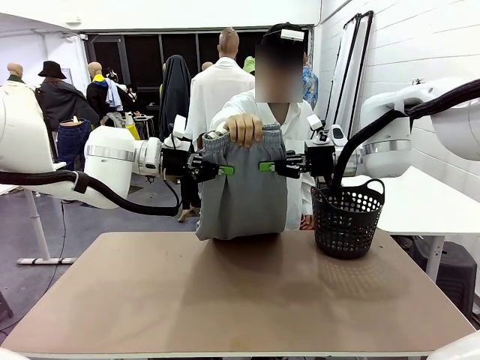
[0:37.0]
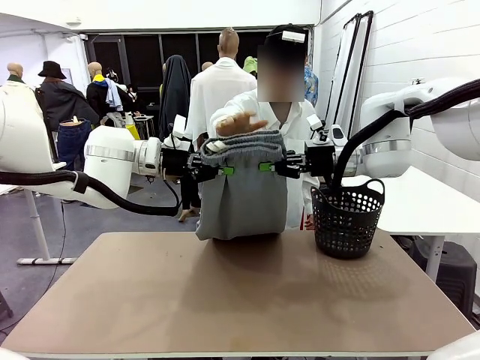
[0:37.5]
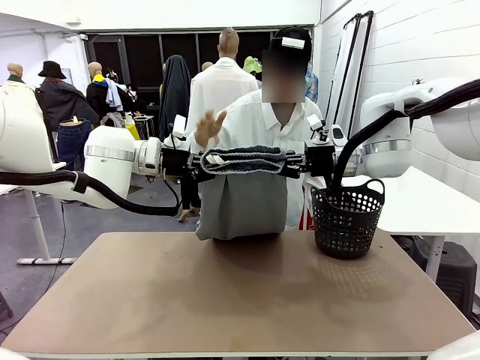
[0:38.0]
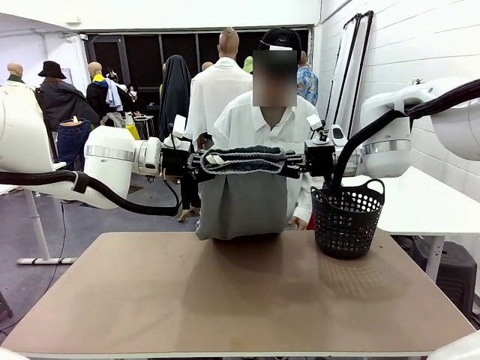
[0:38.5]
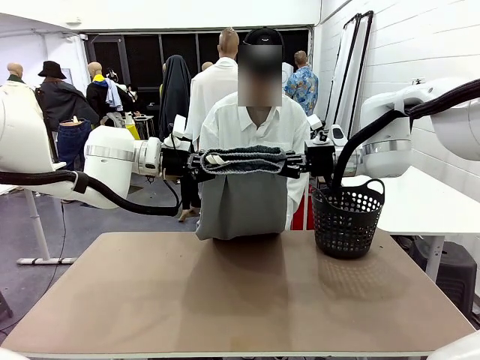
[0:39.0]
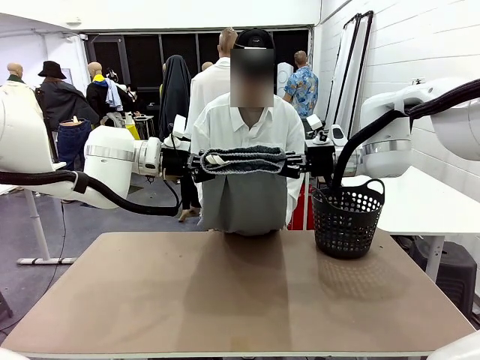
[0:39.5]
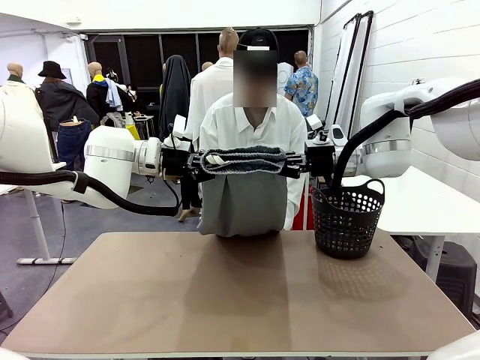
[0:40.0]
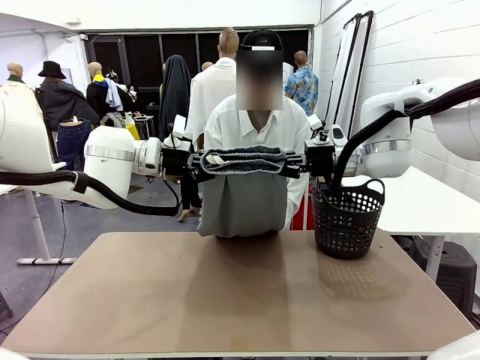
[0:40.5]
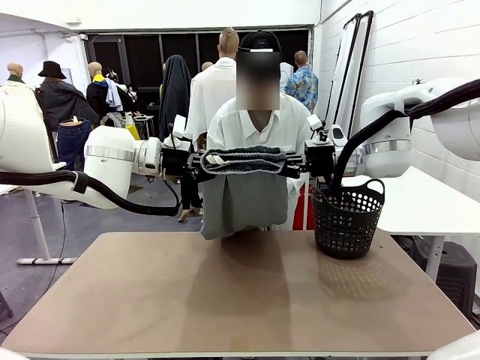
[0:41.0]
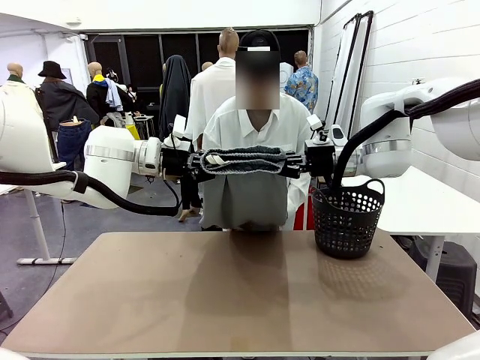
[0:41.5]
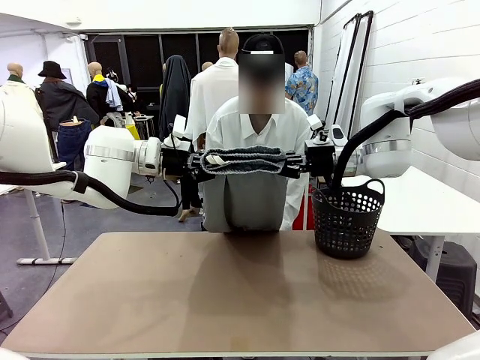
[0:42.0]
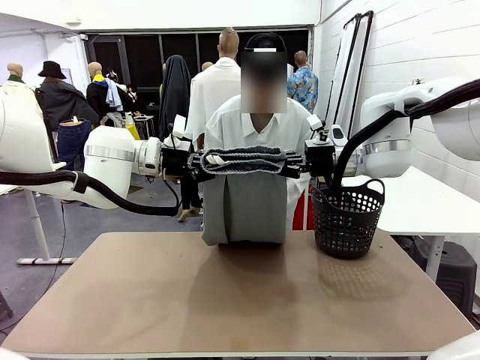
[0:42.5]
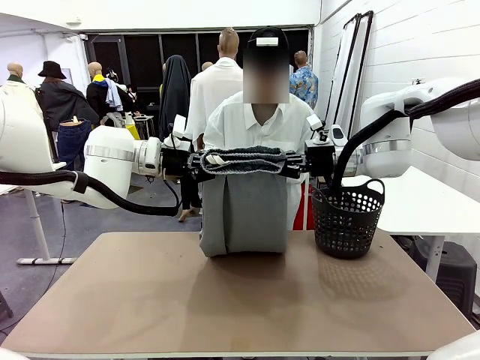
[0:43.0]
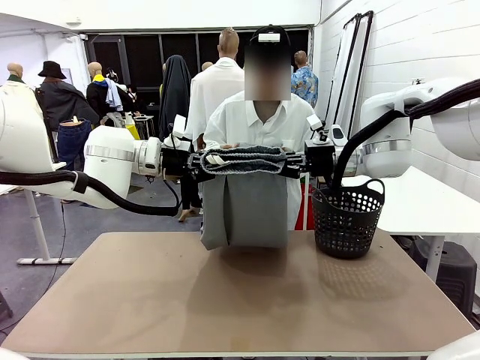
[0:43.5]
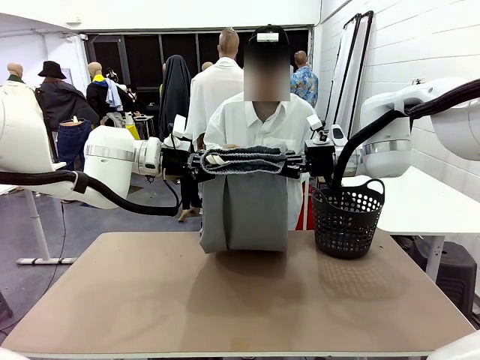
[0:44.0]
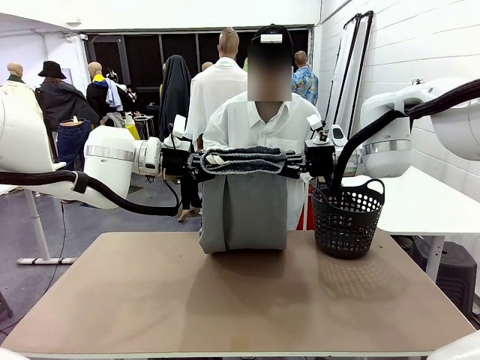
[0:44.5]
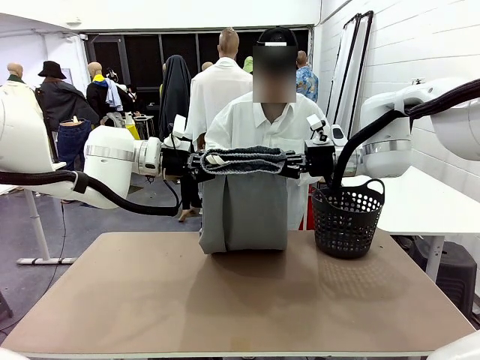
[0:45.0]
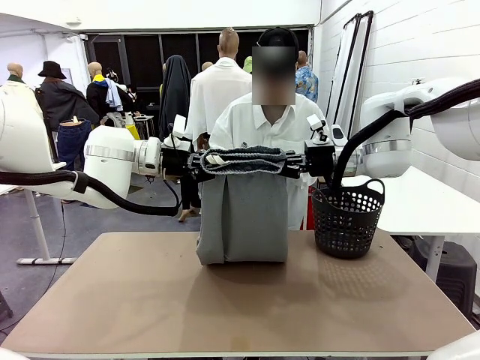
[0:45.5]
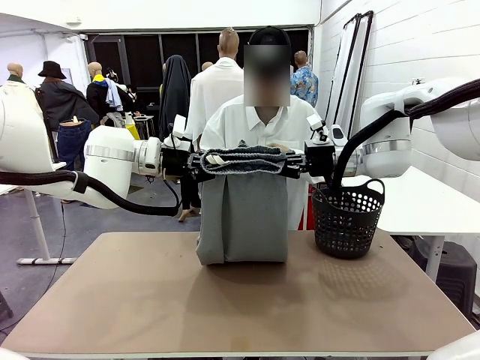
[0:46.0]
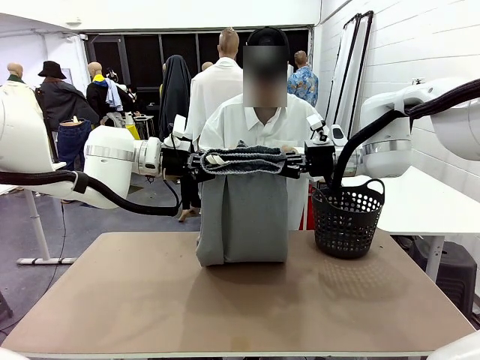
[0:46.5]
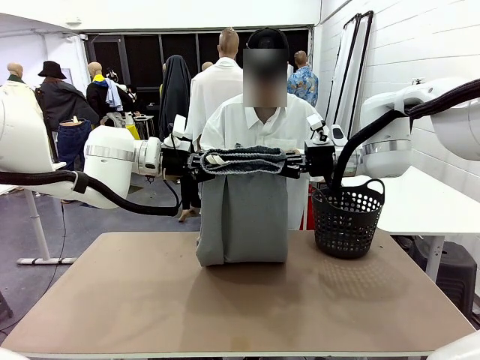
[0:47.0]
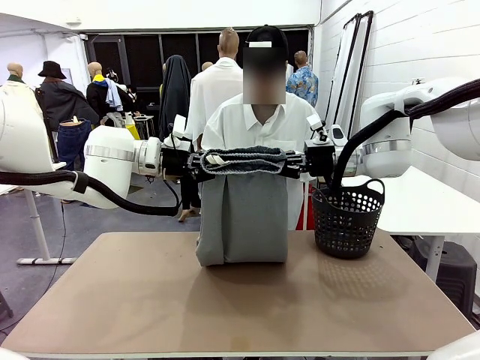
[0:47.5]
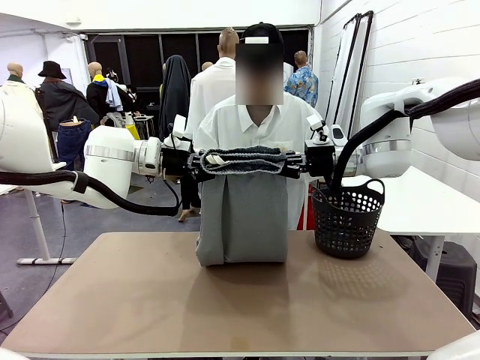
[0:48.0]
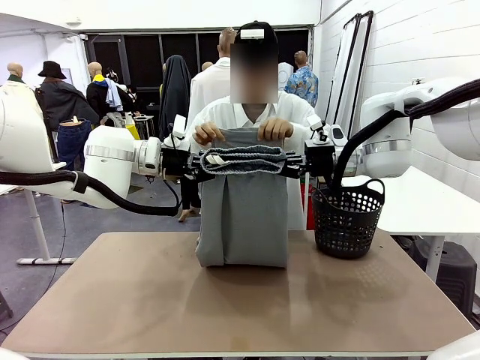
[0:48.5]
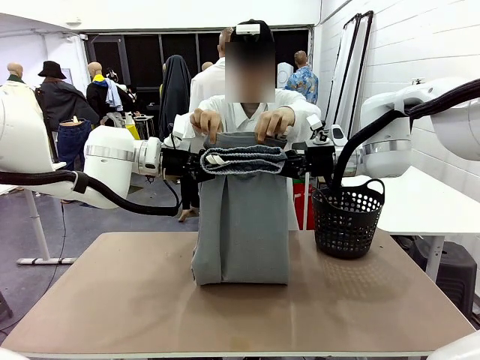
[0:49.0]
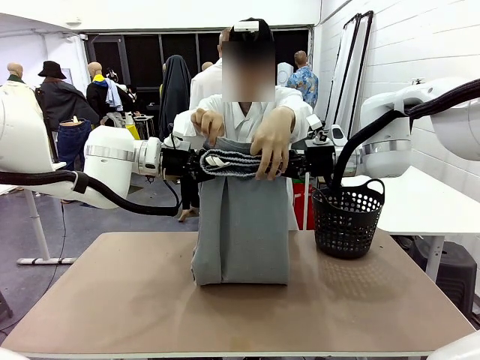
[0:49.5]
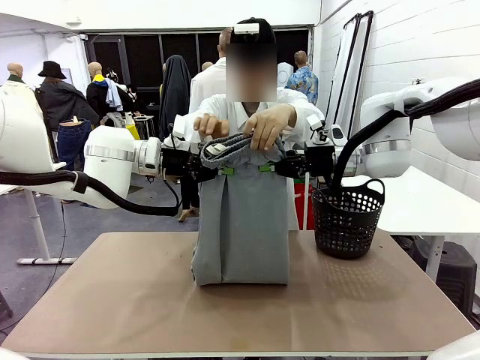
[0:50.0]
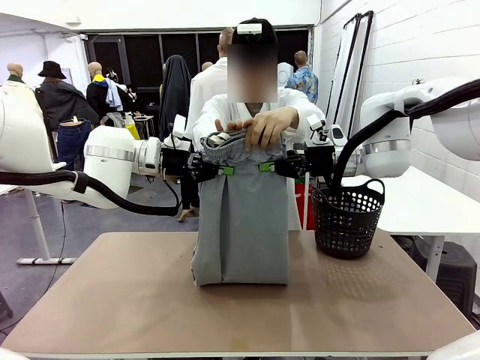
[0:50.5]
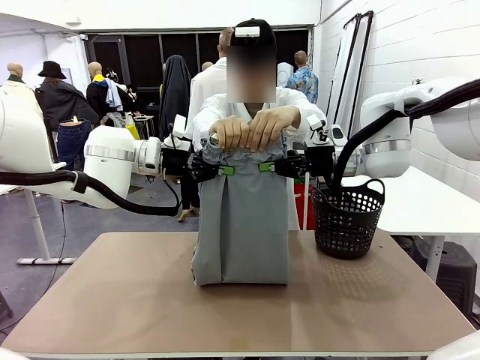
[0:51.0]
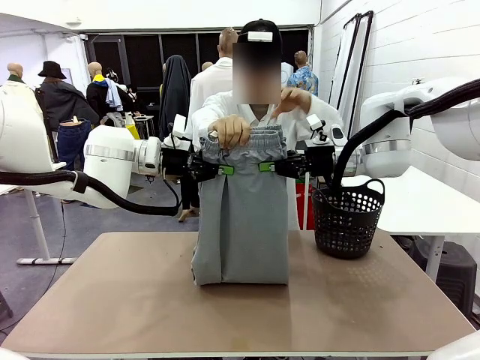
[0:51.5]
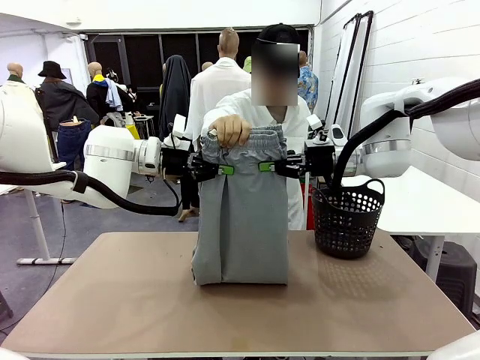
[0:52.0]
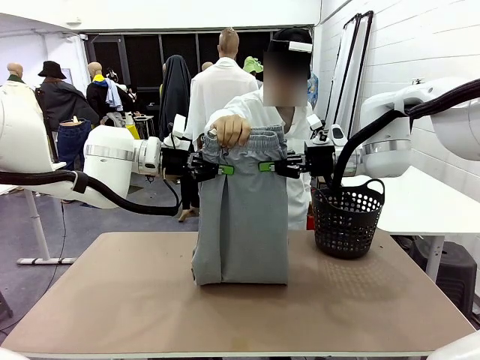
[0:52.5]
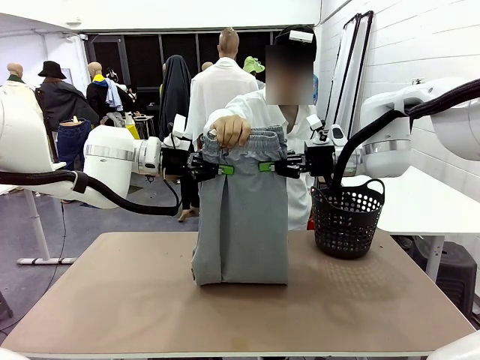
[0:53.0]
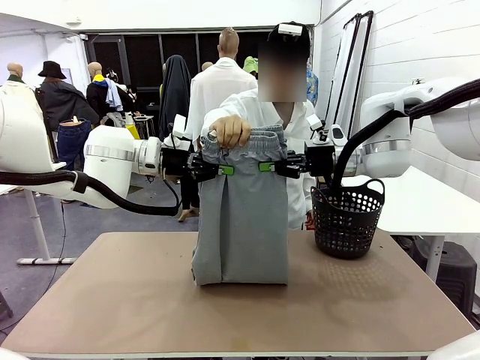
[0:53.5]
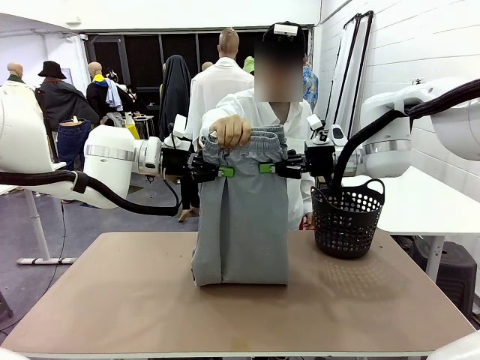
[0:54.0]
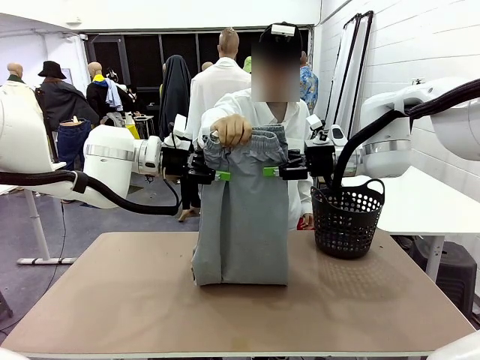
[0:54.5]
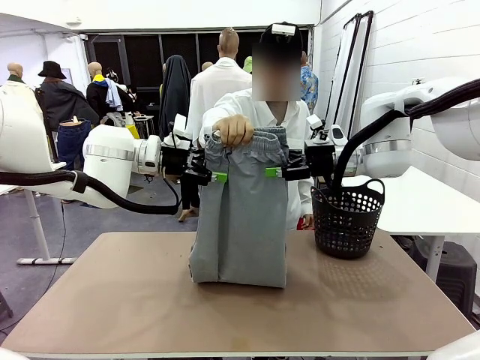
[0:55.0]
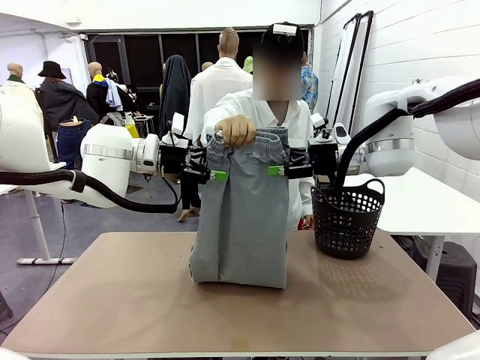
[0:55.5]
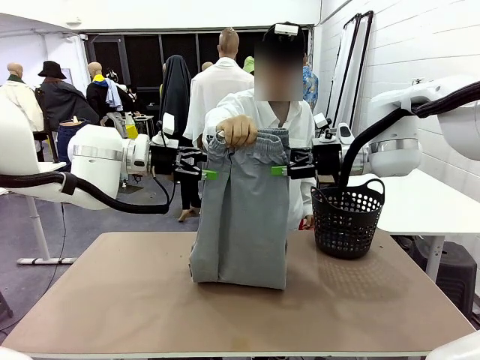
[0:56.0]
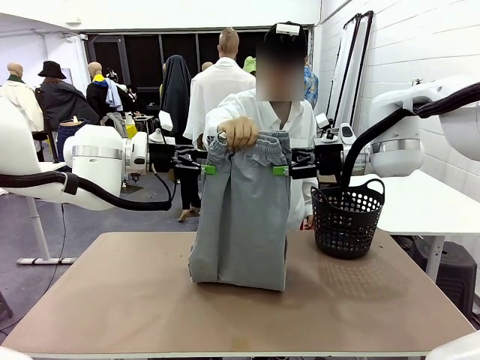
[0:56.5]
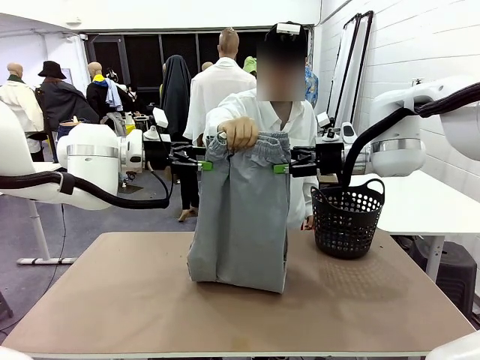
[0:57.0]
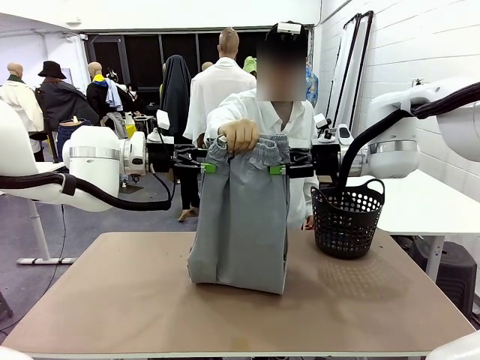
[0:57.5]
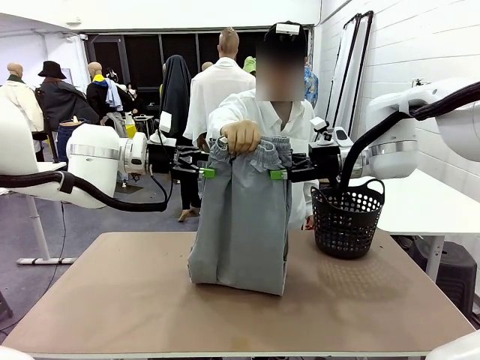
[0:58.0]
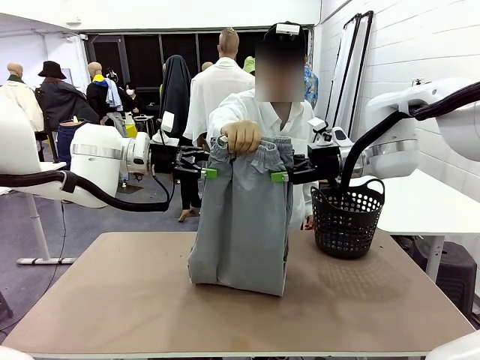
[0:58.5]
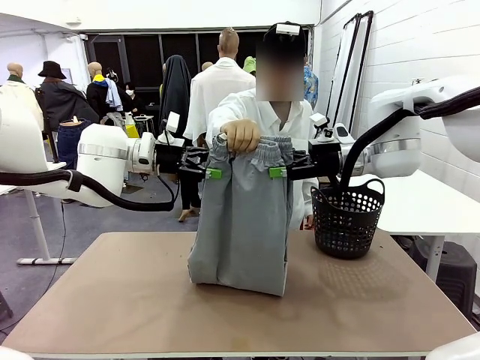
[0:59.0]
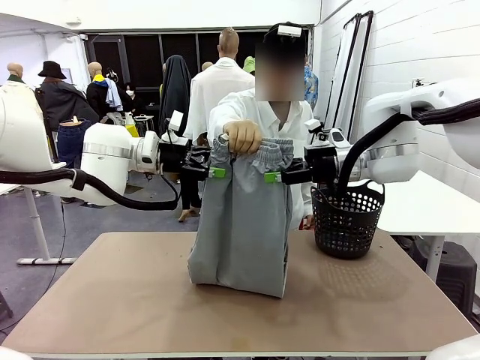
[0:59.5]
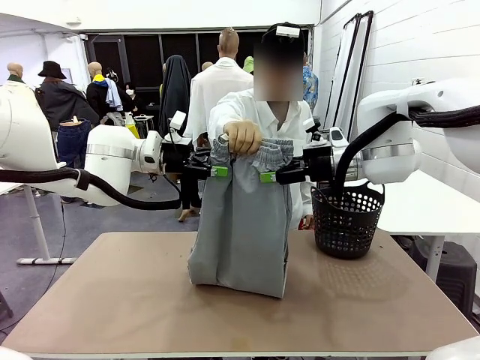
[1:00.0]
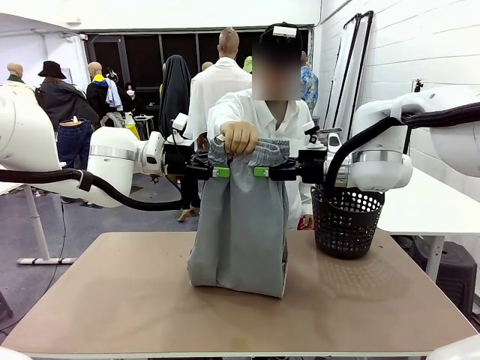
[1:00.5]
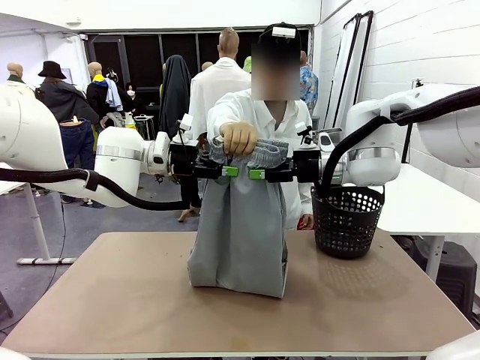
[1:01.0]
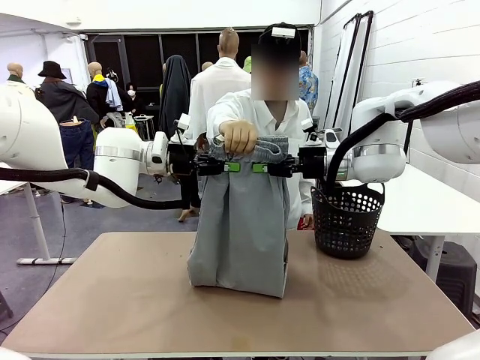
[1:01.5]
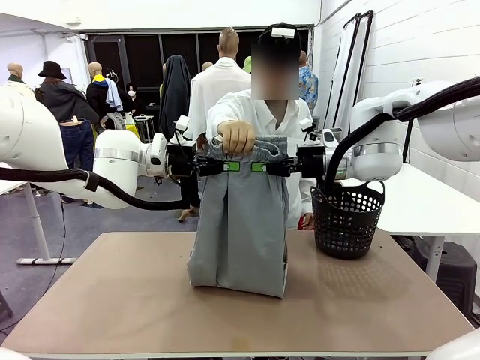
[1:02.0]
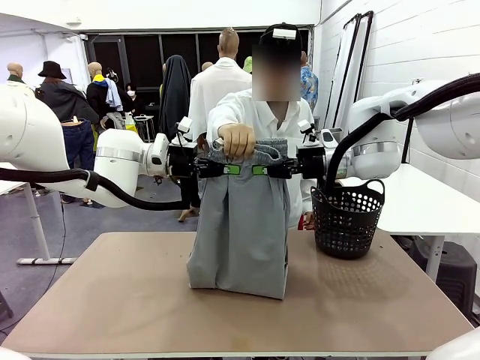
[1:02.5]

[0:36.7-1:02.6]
Task: Fold the training pants.
Robot: Release the ends of the Training pants and then grab the overlapped ends.
Person: Grasp the end opposite the point the robot is holding, fold the pants in half, and then grasp the overlapping top end of the folded pants. Release the pants you were holding.
